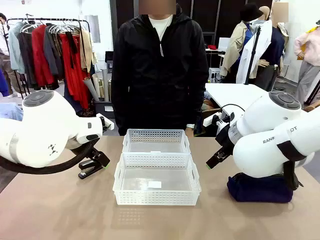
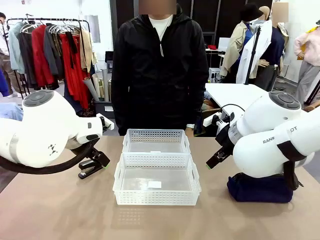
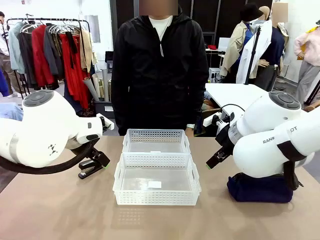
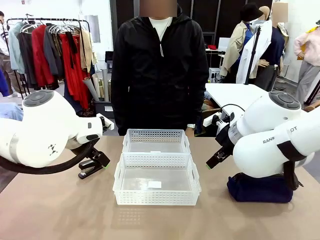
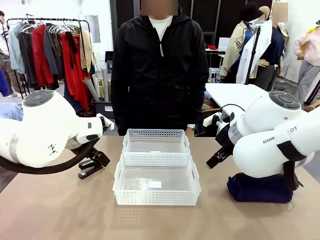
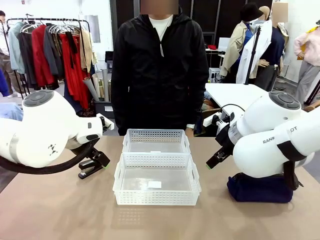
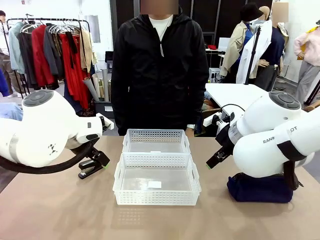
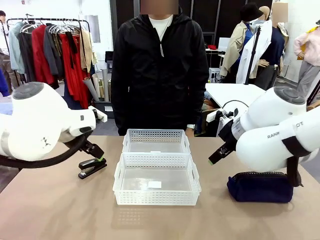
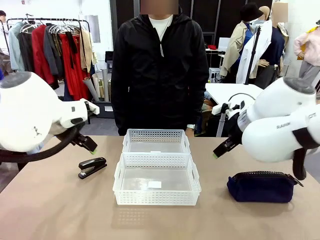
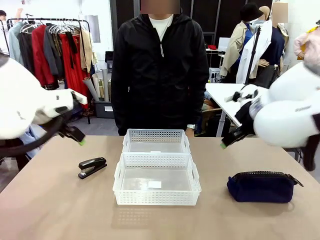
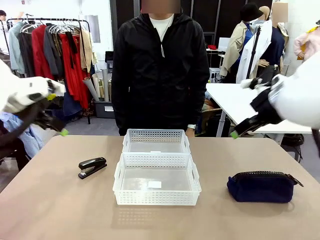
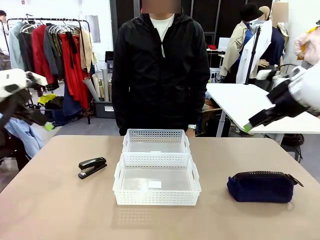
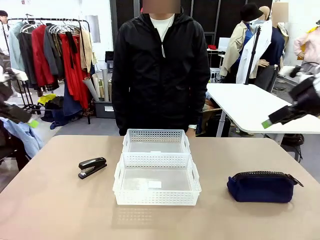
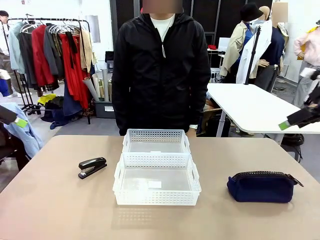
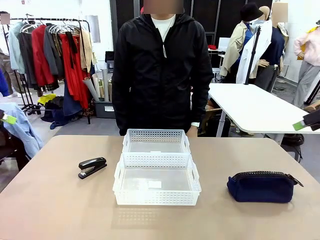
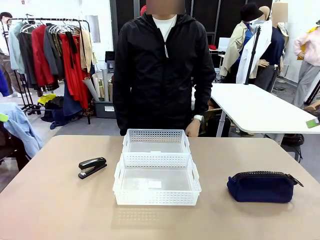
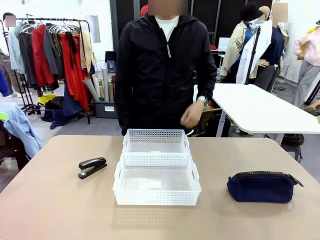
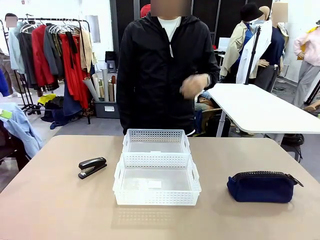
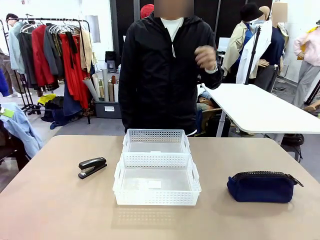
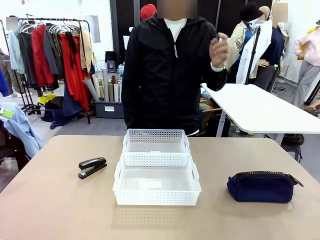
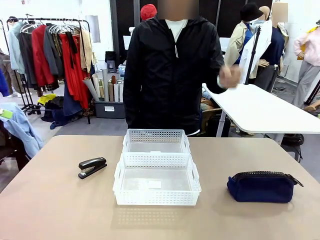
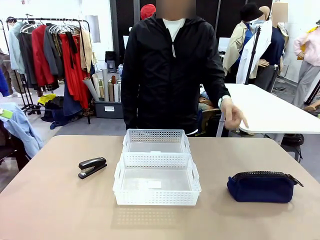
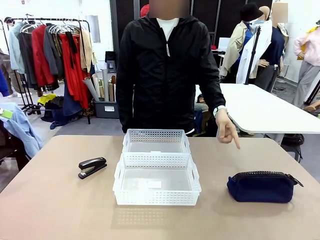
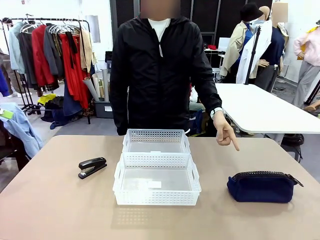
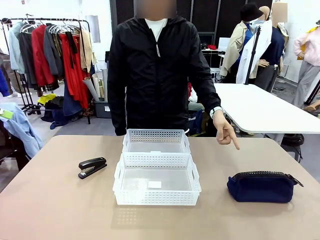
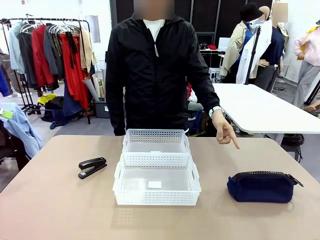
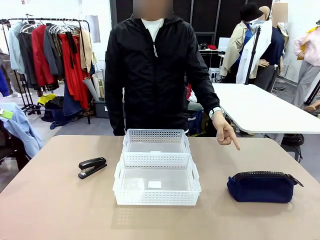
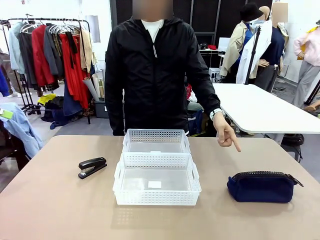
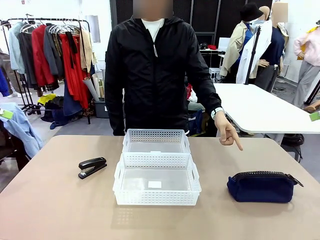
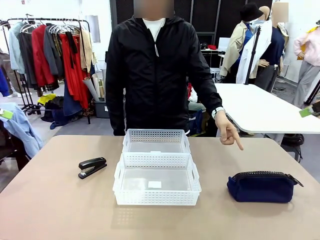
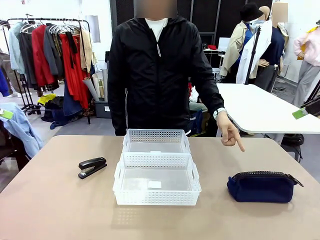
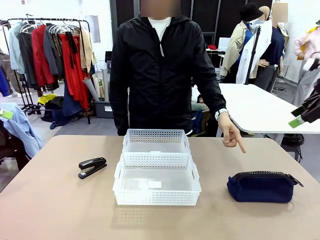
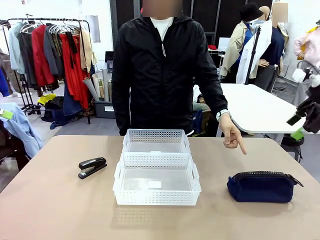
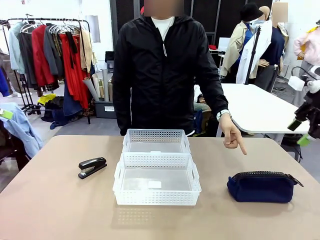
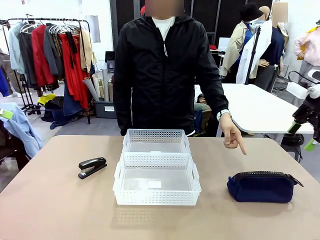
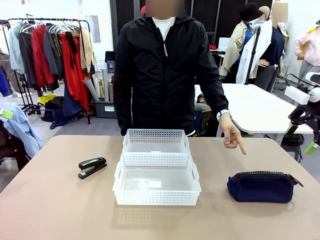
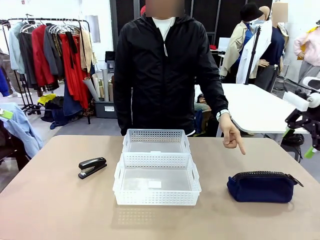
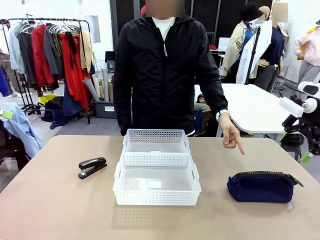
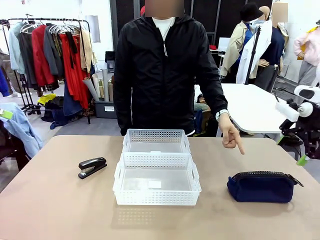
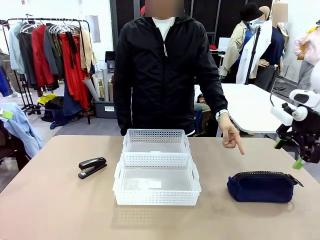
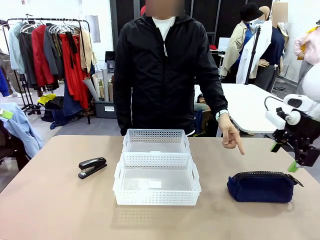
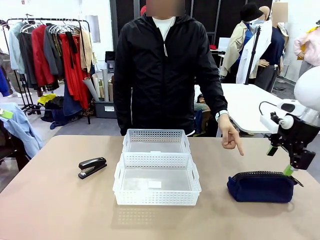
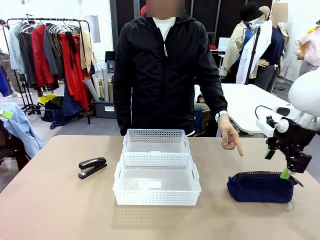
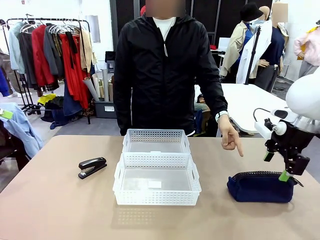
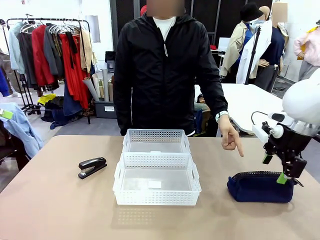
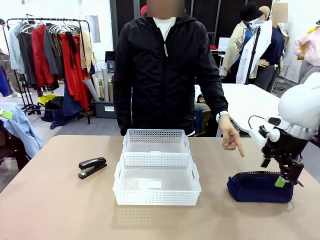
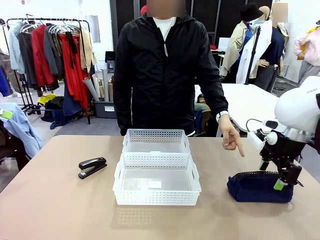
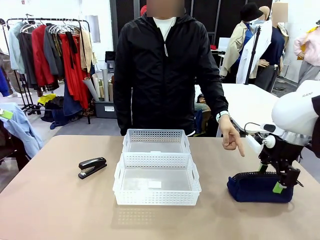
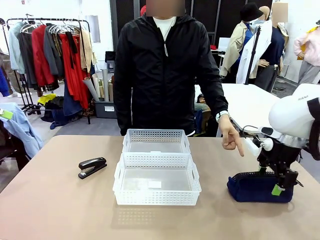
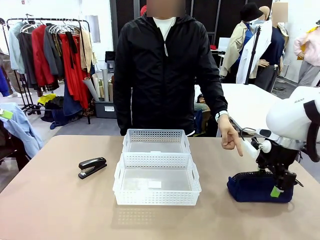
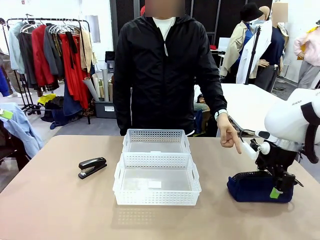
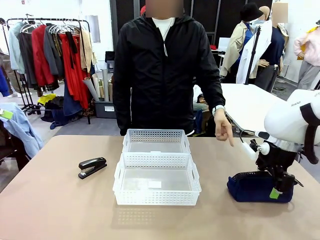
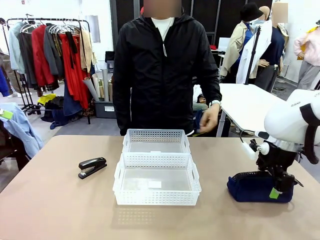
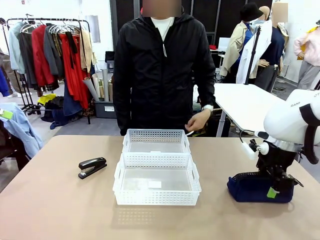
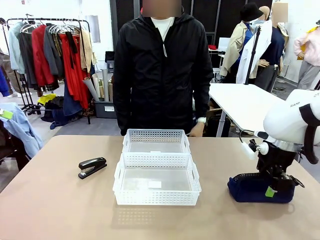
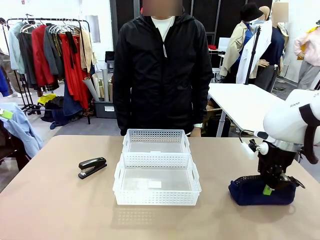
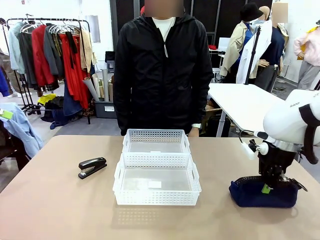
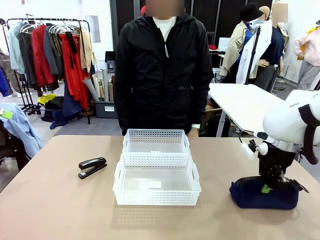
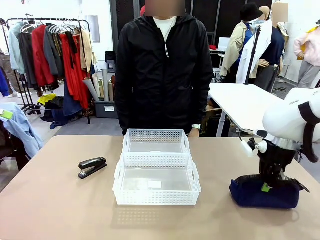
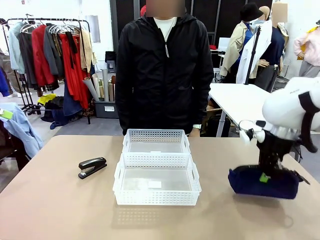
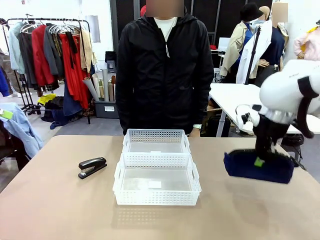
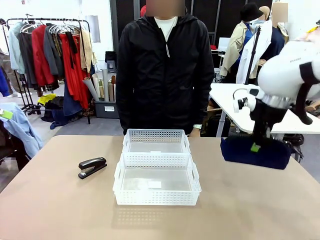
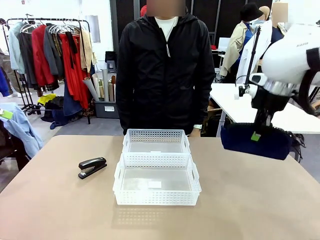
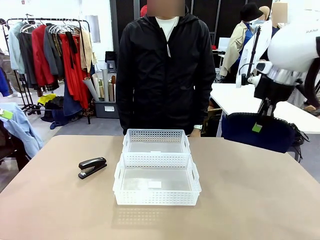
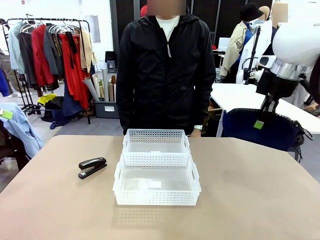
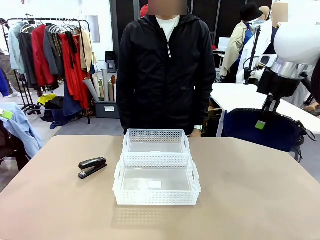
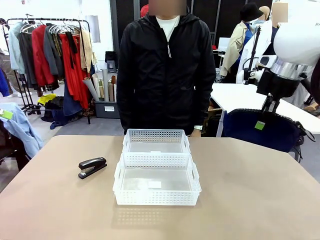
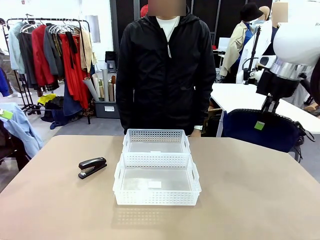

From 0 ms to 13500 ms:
Task: Distribute items into two baskets.
Robot: Pick up the Pencil pouch that the person points to.
Person: Points to the pencil case. Points between the two organizing baskets and instructs the robot to move the pencil case.

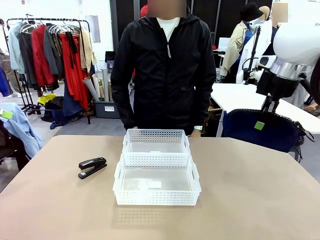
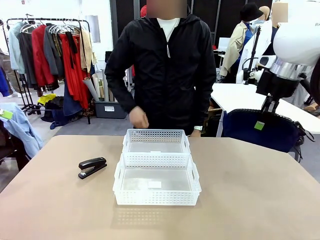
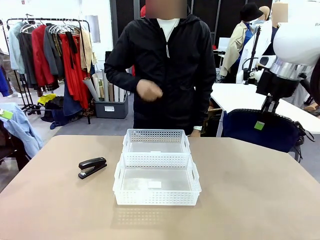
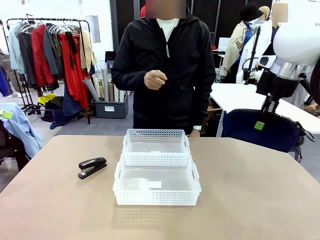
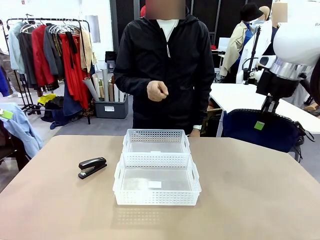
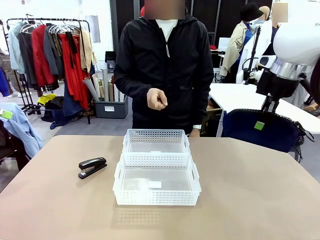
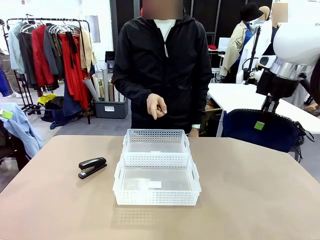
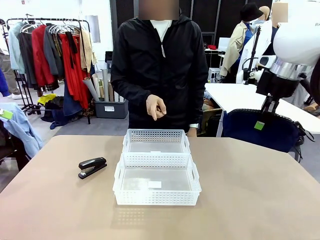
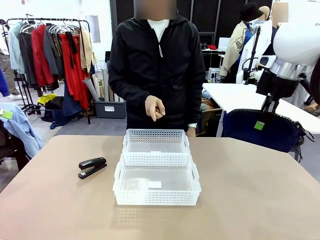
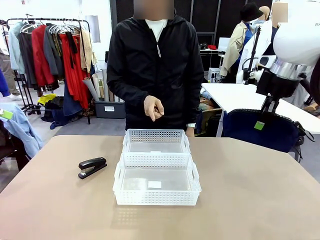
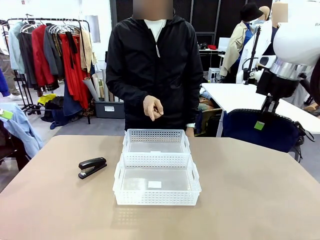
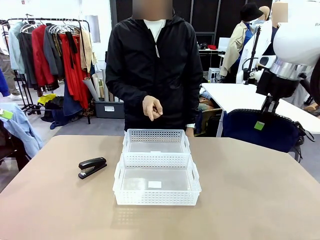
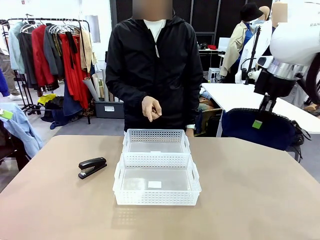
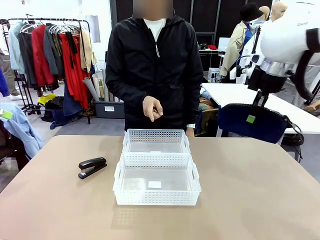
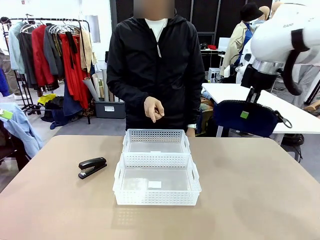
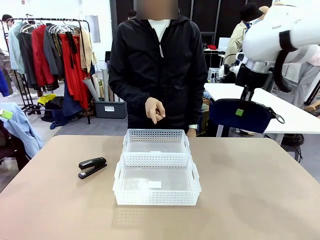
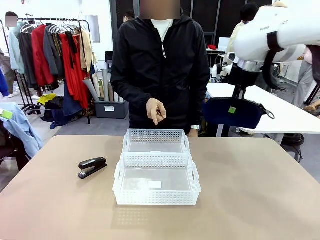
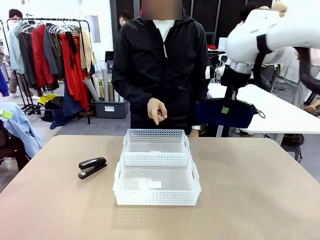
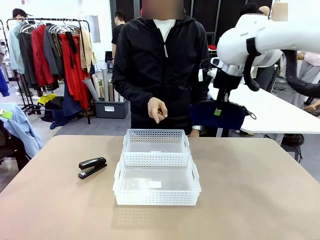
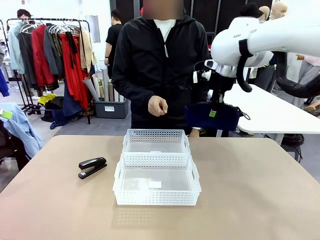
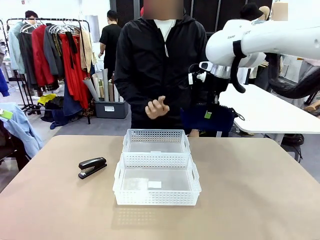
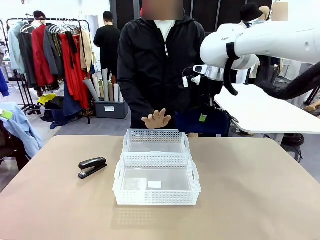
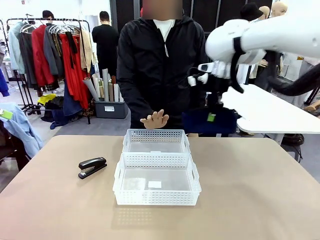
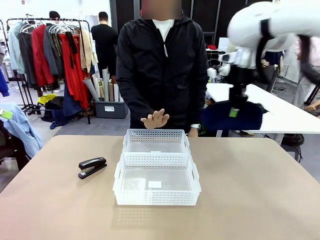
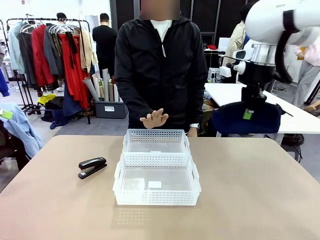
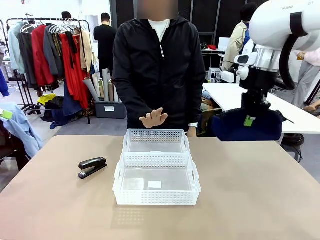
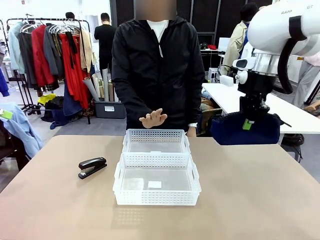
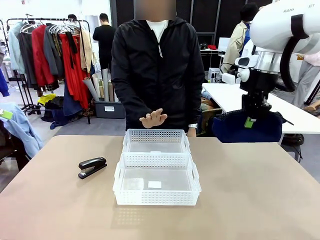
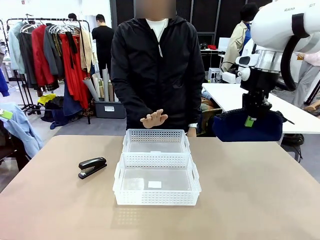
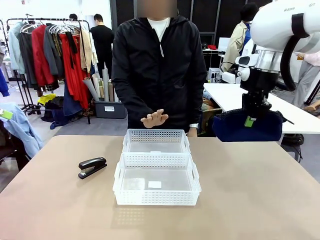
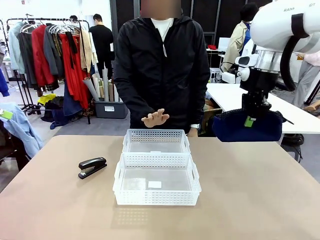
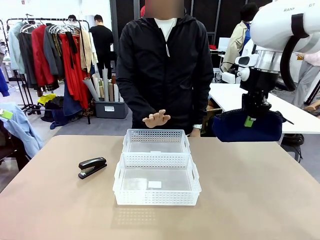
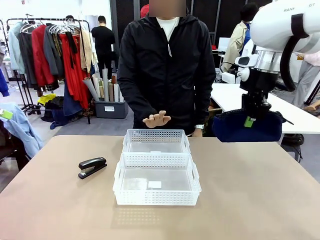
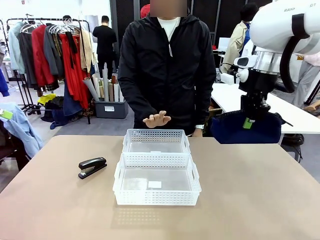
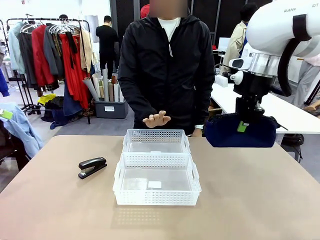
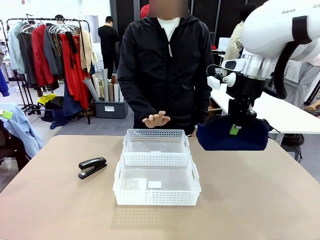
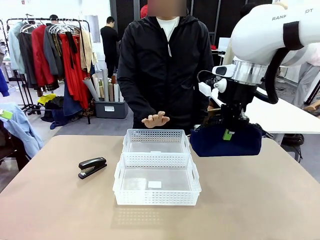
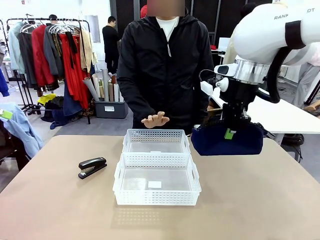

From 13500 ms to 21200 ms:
Robot: Move the picked Pencil pouch towards the Organizing basket indicated by the person, stopping as directed.
Person: Sends a stop gesture before the robot places the pencil case into the basket.
